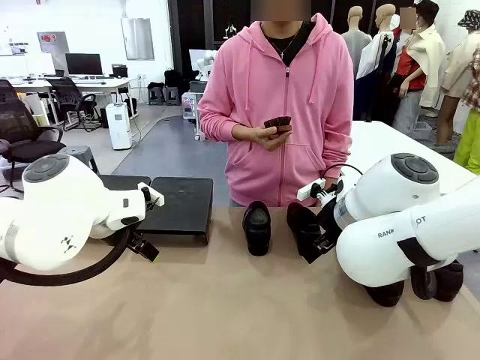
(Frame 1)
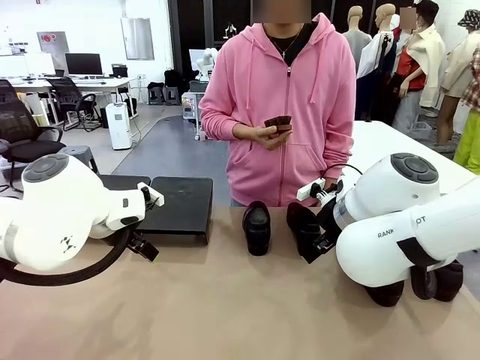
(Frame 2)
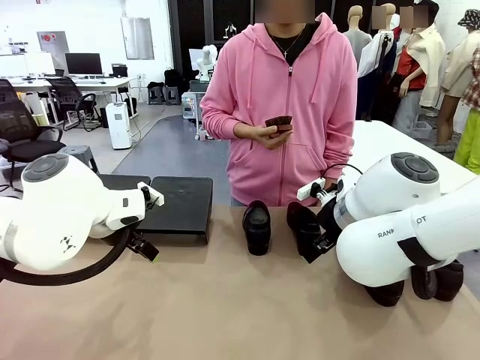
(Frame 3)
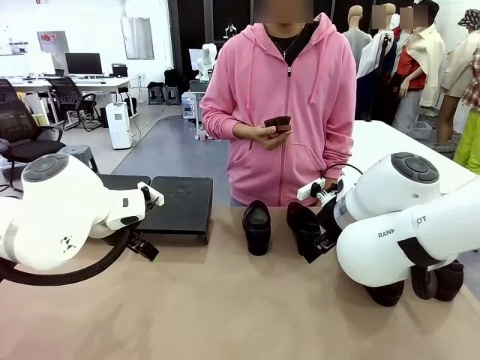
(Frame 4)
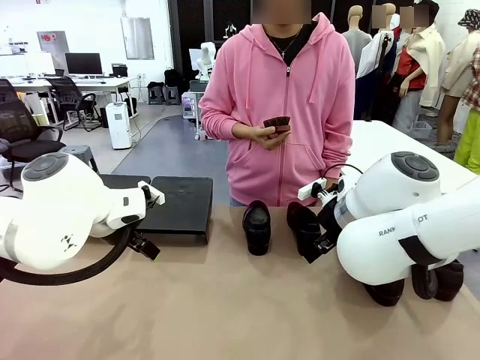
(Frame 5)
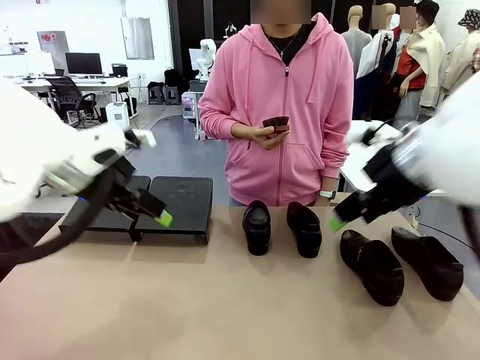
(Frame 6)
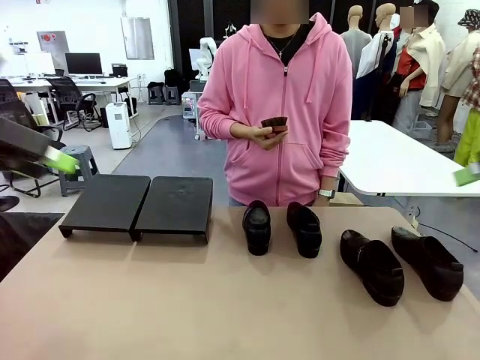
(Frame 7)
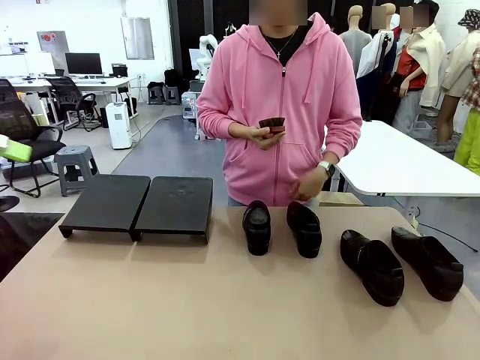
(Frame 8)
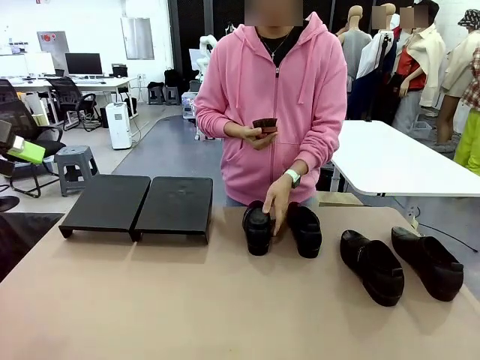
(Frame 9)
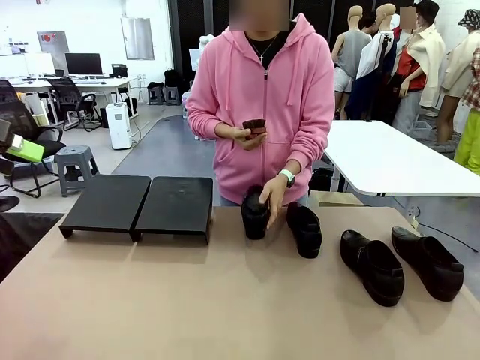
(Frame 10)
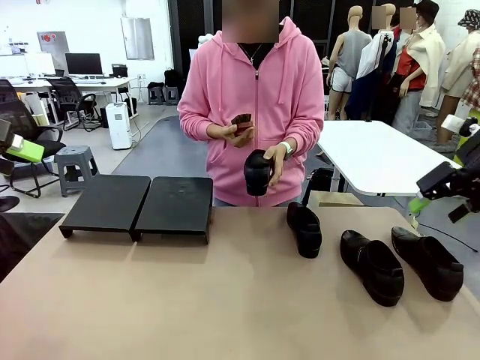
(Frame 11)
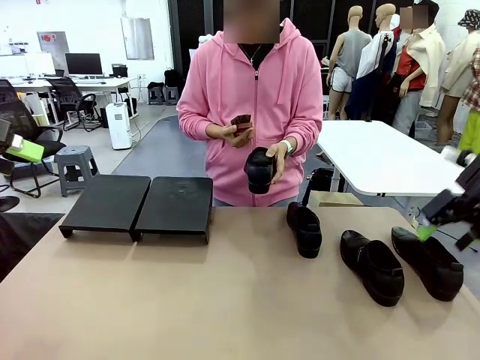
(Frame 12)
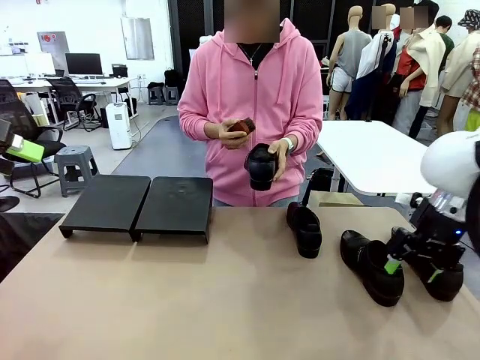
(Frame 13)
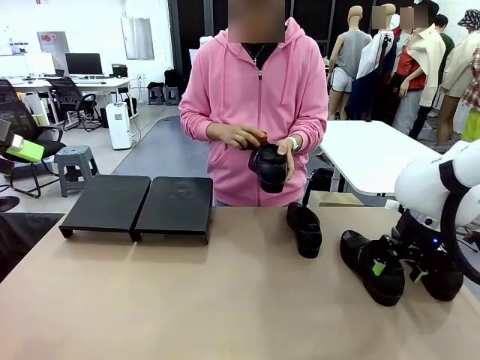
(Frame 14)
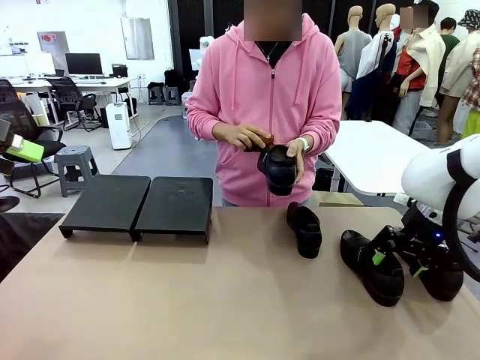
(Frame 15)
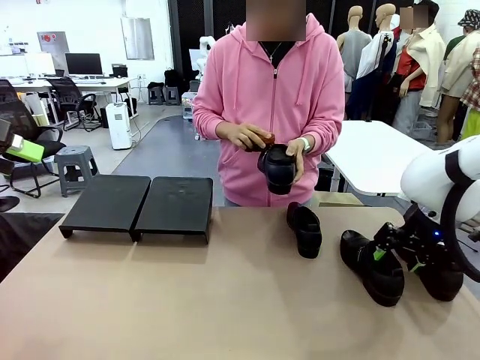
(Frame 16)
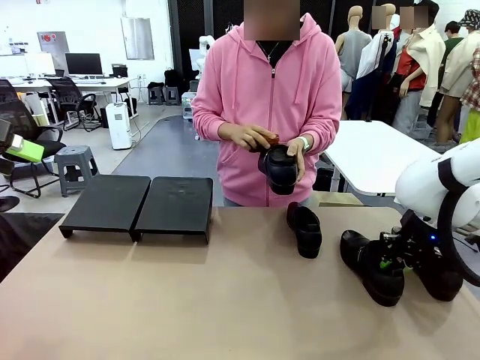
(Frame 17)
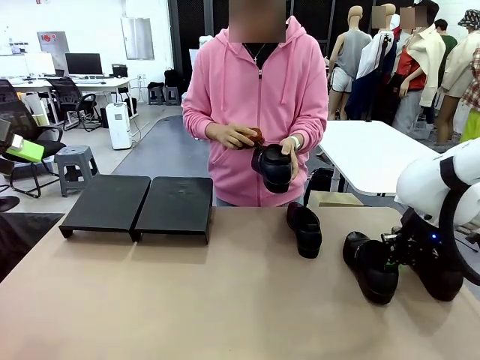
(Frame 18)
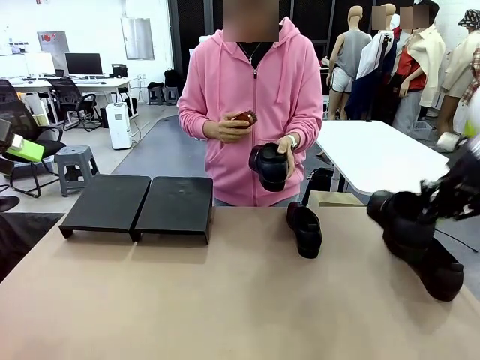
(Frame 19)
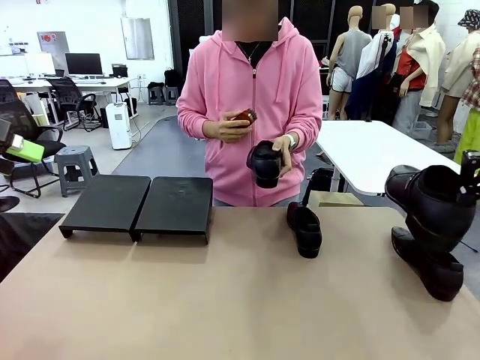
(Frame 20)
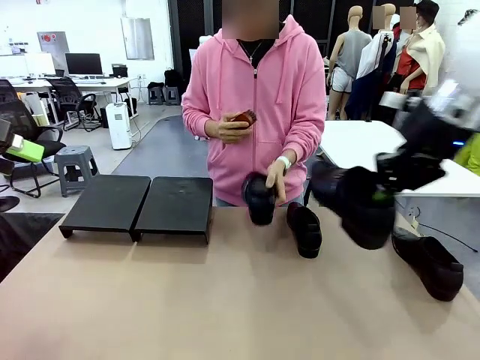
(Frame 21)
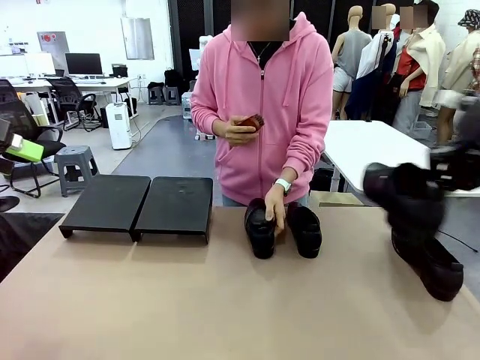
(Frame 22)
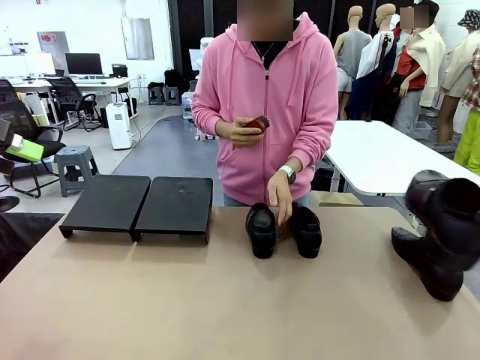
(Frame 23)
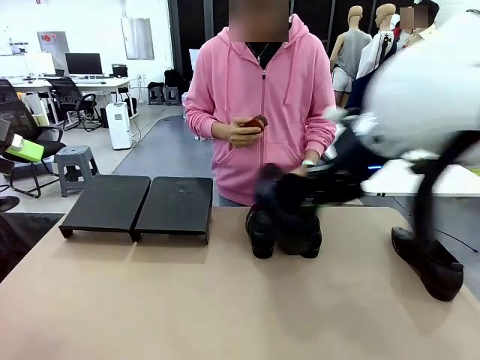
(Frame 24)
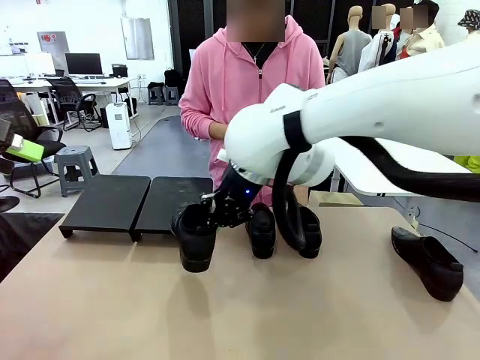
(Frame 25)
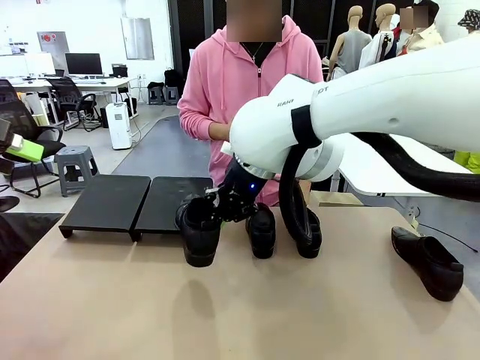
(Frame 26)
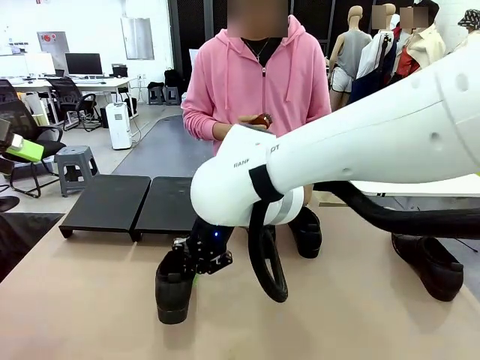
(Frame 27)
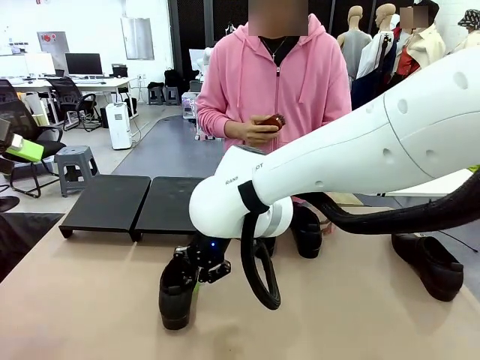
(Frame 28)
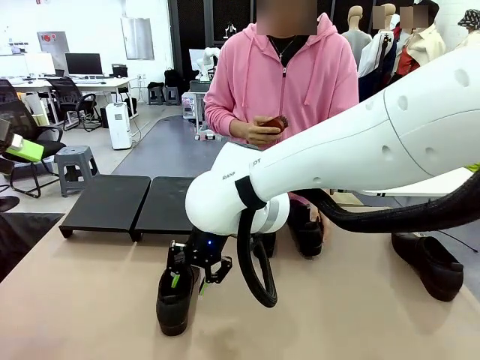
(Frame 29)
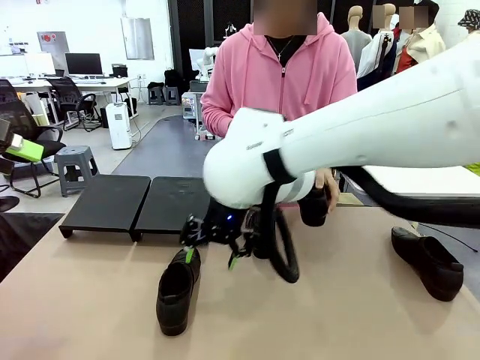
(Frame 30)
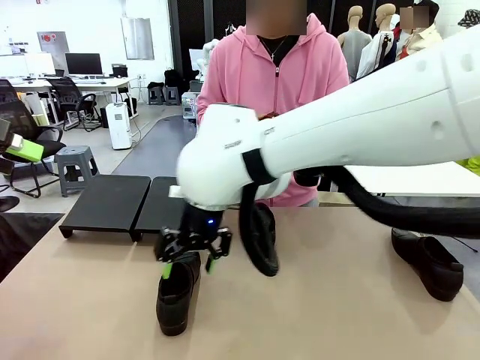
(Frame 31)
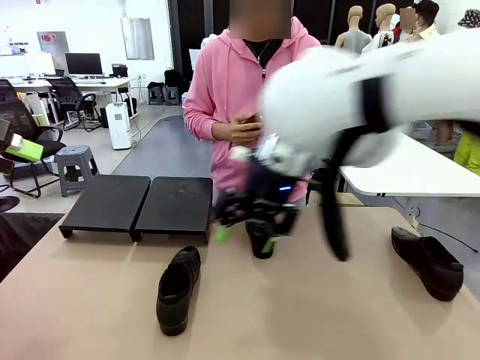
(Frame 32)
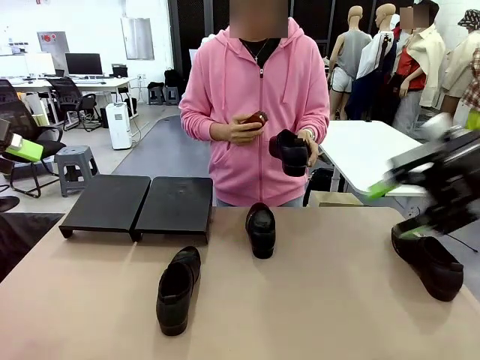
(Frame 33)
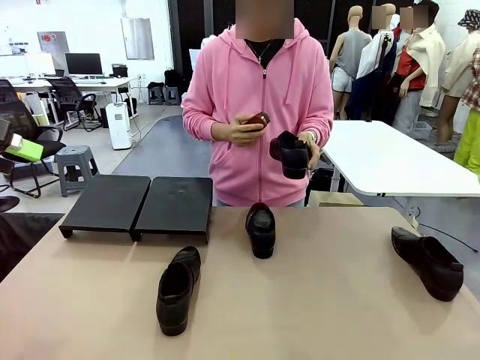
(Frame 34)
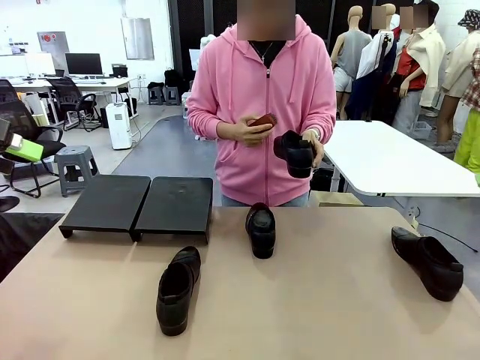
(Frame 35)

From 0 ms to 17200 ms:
Task: Organize the shoes by placing them on the stand.
Robot: Pick up one Shoe and place it in the middle of the table.
Person: Pick one Shoe on Robot's table. Clean the Shoe with the Shoe Brush. Place the Shoe on left side of the Robot's table. Pick one Shoe on Robot's table.

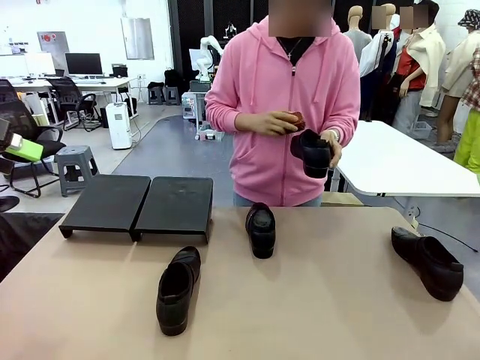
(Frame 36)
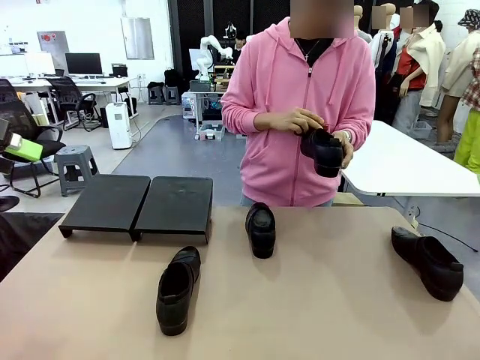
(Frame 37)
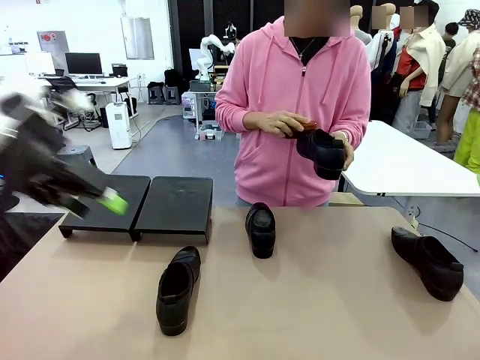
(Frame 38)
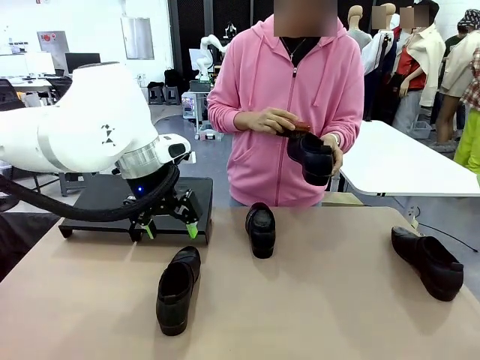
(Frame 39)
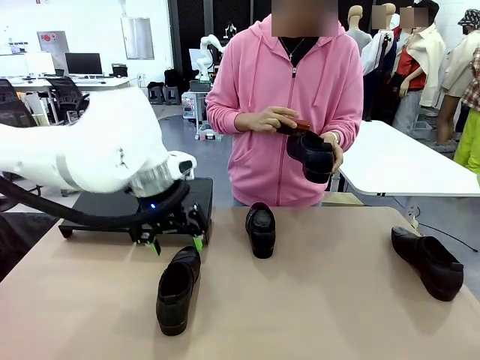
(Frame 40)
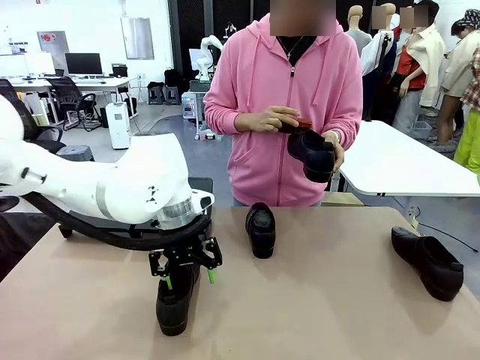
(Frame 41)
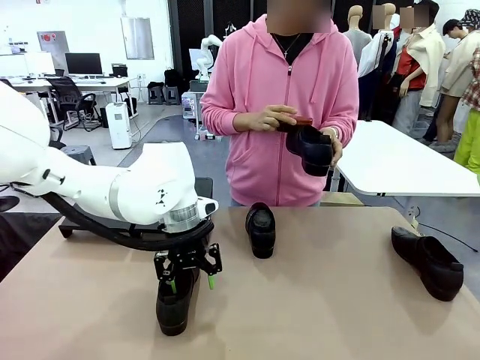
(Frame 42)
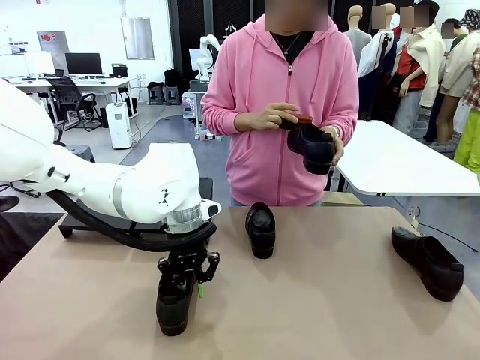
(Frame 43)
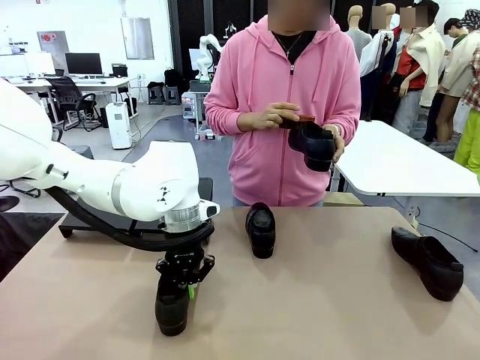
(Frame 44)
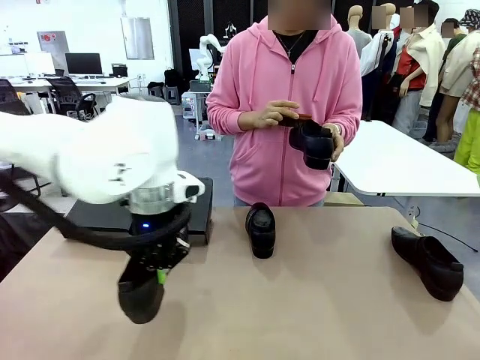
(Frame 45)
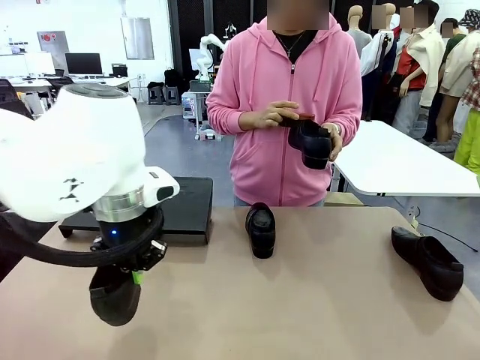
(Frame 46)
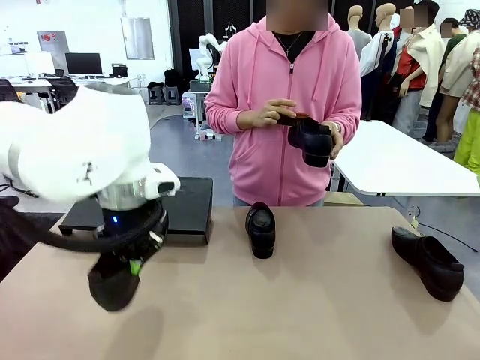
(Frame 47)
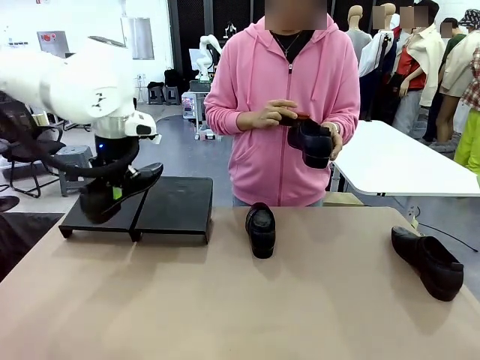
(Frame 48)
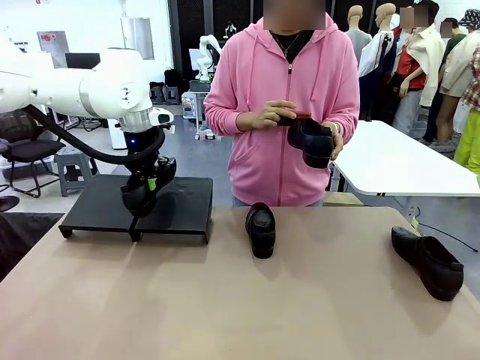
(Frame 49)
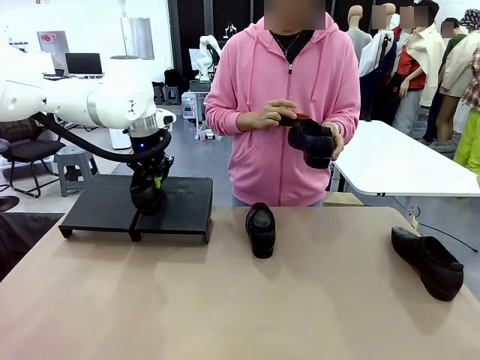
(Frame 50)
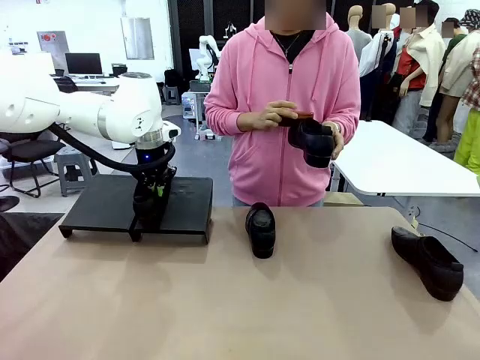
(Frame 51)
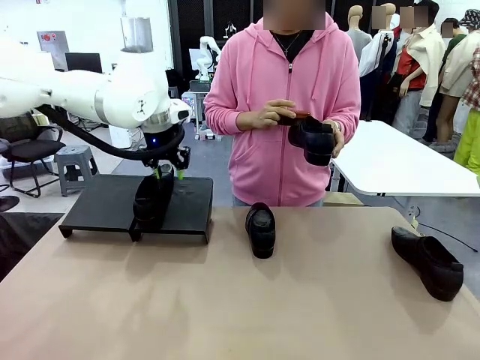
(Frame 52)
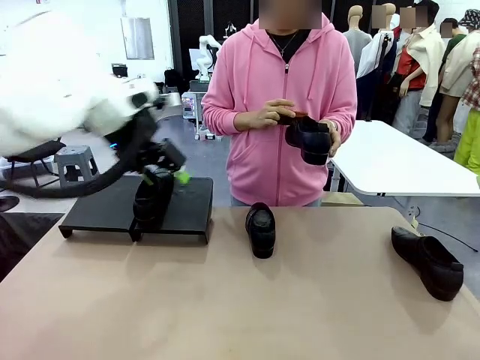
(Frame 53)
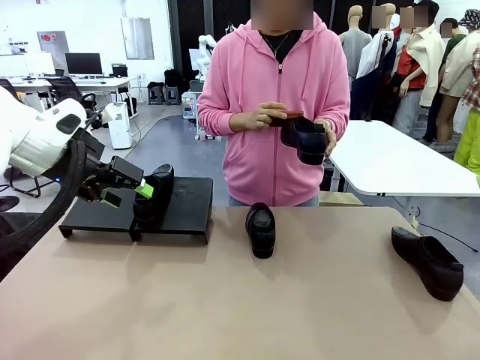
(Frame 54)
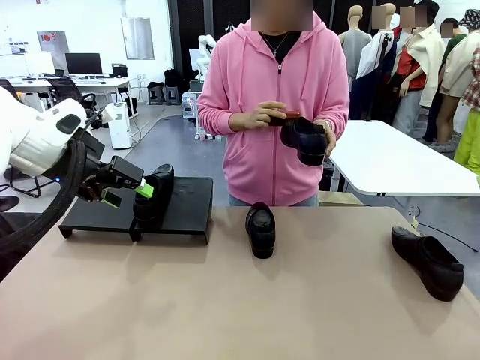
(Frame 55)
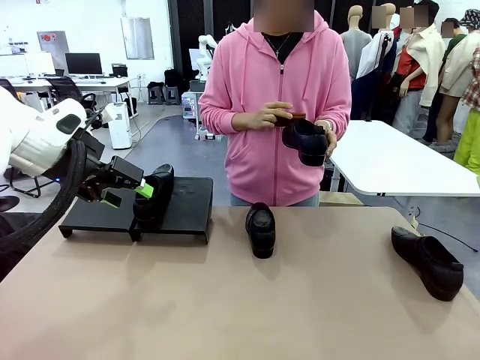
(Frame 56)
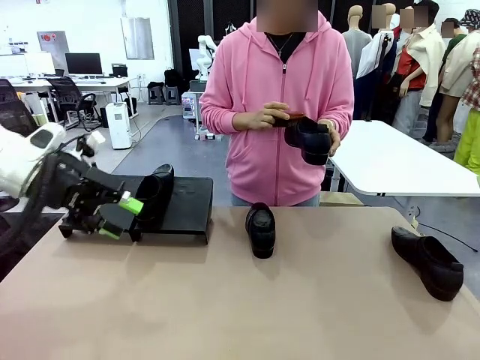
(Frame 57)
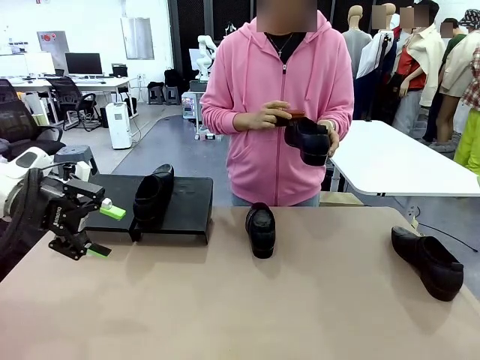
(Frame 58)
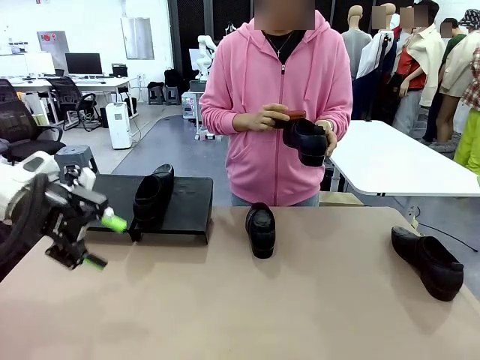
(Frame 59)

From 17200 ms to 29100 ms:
Robot: Place the Shoe from the middle of the table onto the Shoes Stand.
Person: Clean the Shoe with the Shoe Brush.
